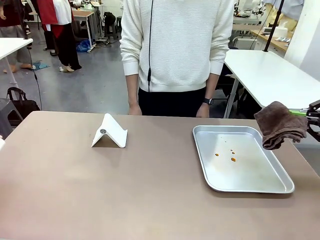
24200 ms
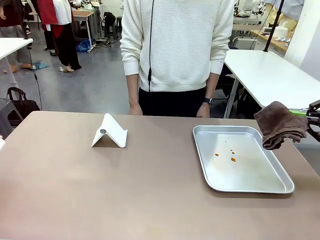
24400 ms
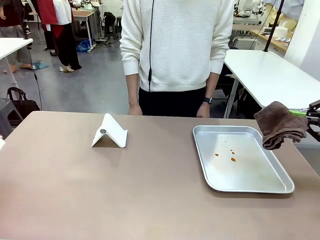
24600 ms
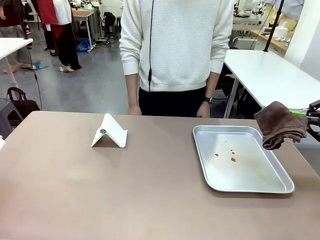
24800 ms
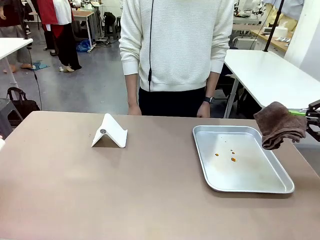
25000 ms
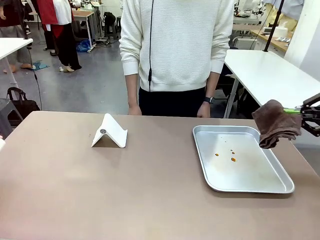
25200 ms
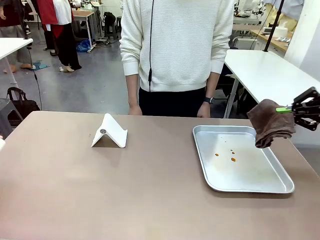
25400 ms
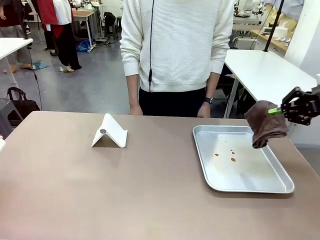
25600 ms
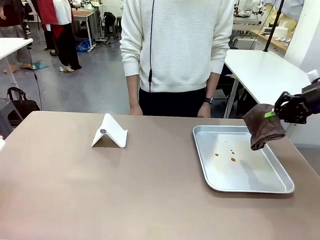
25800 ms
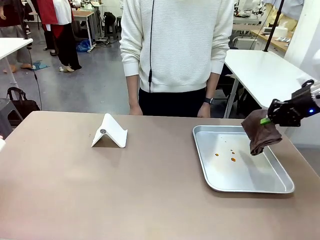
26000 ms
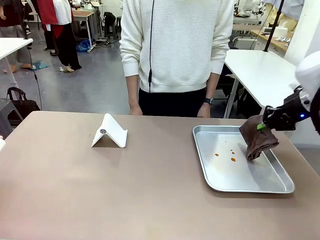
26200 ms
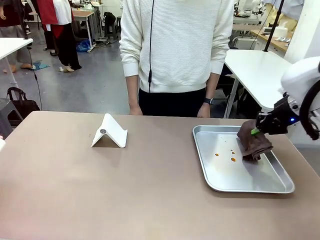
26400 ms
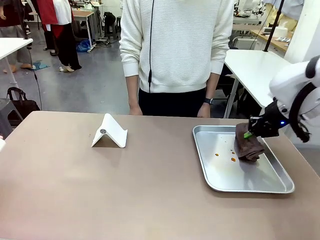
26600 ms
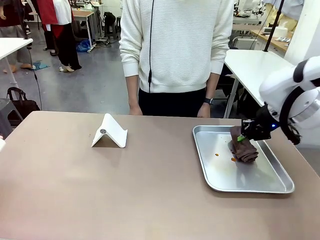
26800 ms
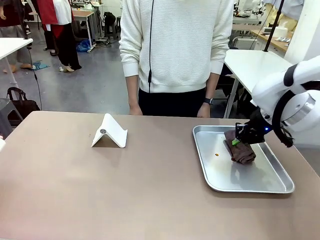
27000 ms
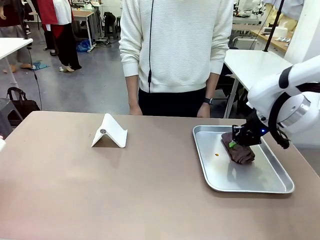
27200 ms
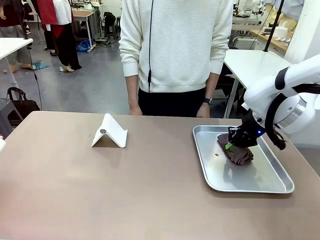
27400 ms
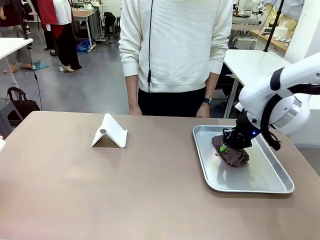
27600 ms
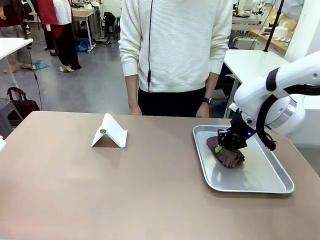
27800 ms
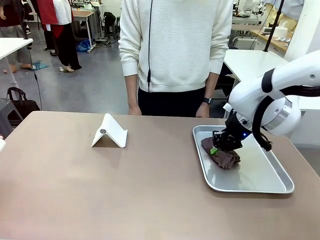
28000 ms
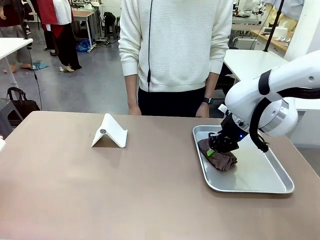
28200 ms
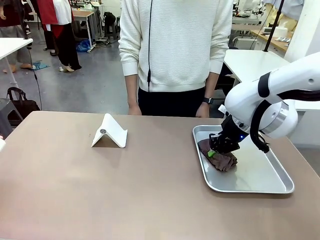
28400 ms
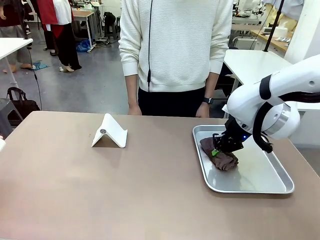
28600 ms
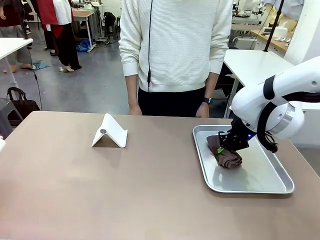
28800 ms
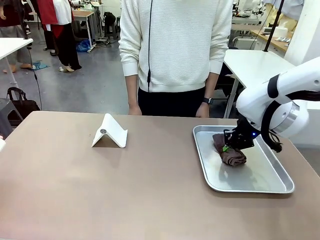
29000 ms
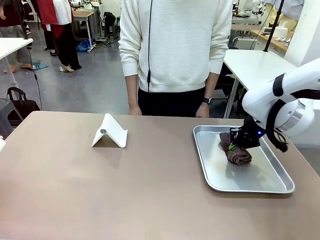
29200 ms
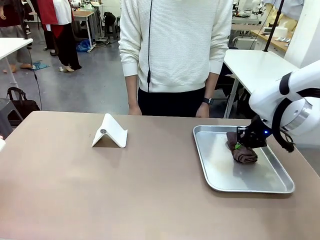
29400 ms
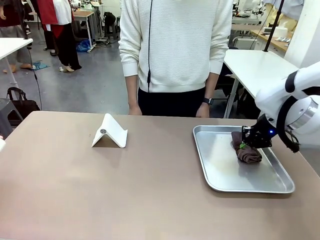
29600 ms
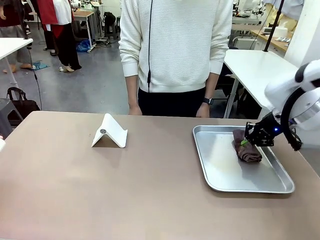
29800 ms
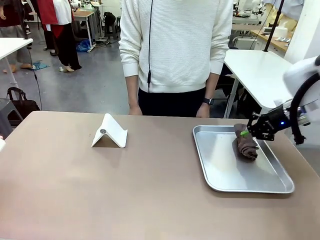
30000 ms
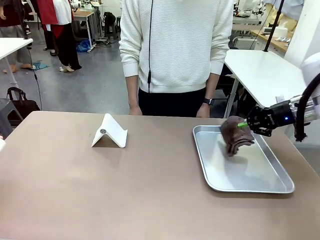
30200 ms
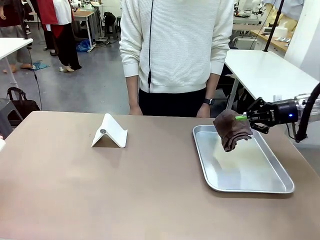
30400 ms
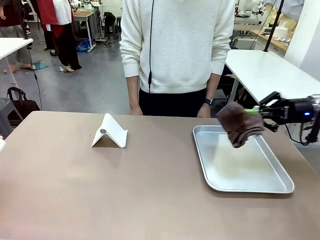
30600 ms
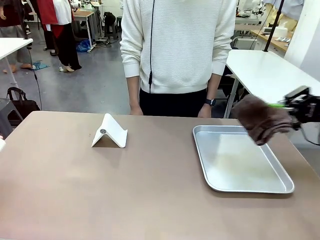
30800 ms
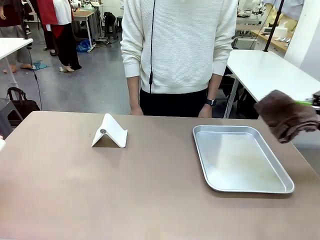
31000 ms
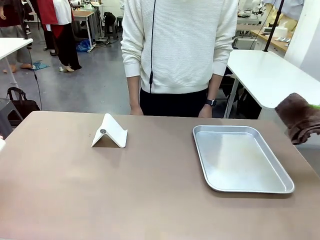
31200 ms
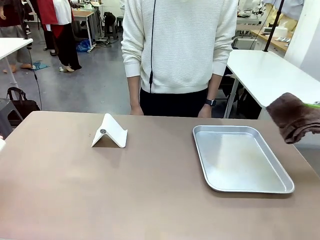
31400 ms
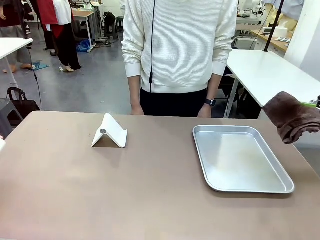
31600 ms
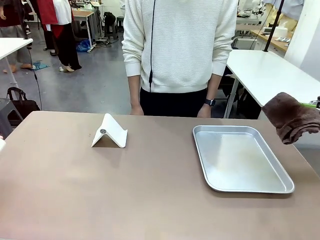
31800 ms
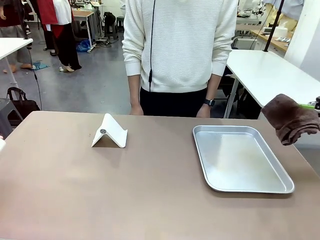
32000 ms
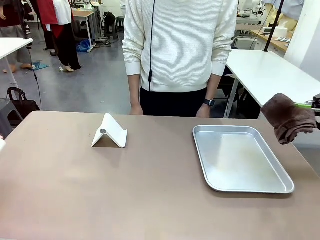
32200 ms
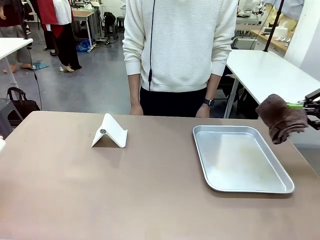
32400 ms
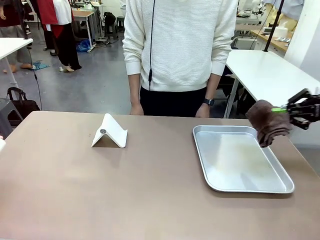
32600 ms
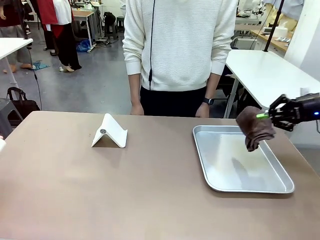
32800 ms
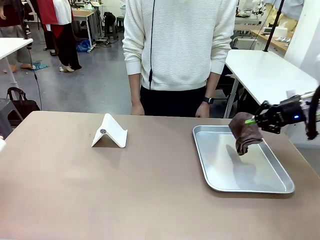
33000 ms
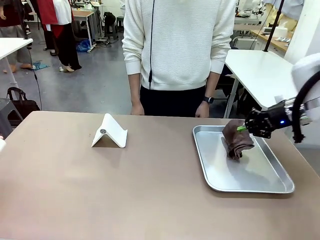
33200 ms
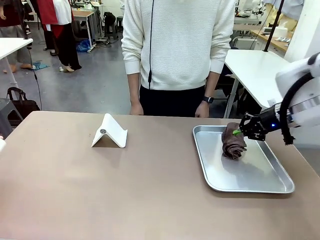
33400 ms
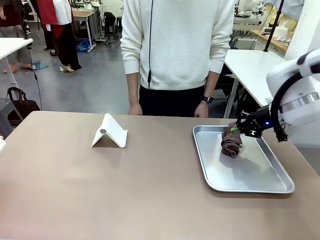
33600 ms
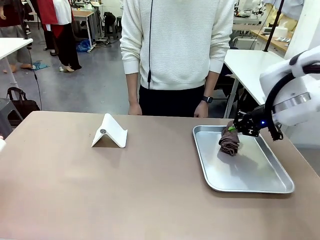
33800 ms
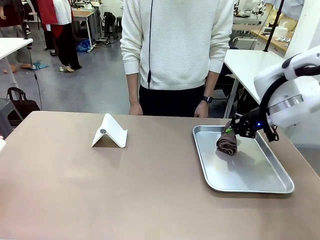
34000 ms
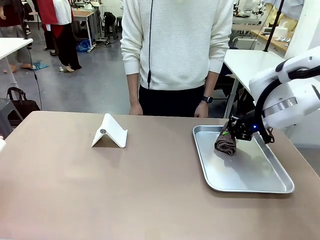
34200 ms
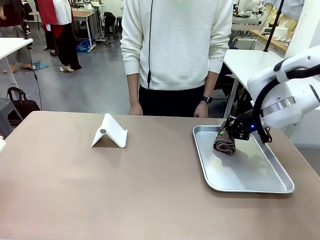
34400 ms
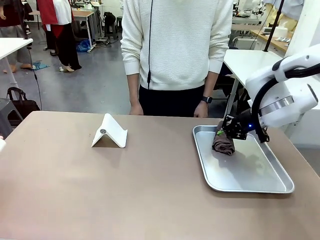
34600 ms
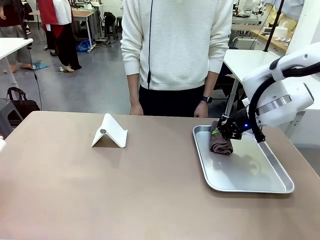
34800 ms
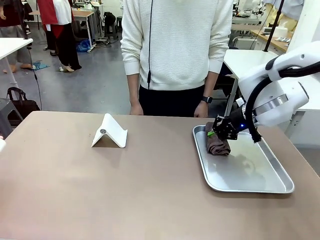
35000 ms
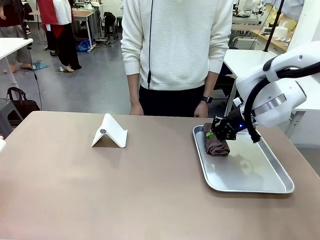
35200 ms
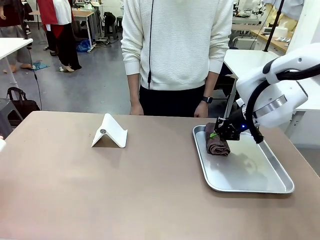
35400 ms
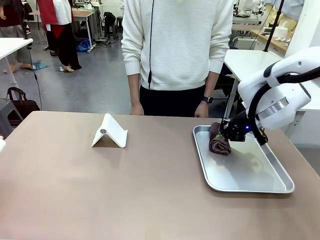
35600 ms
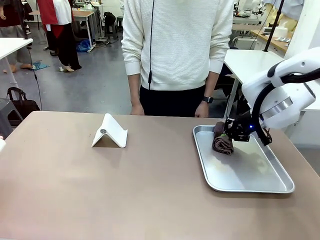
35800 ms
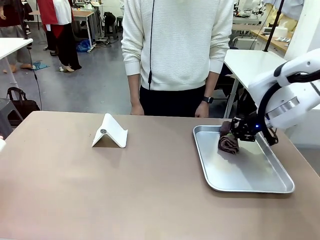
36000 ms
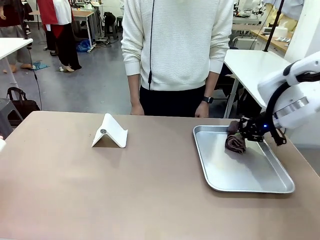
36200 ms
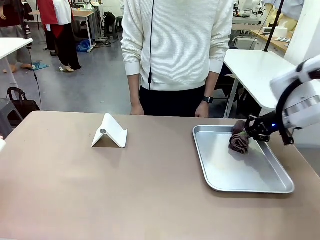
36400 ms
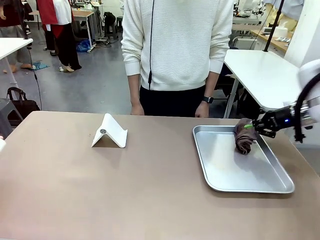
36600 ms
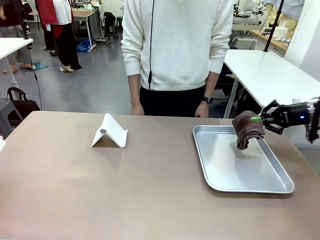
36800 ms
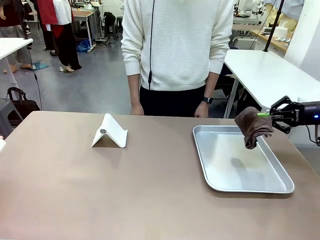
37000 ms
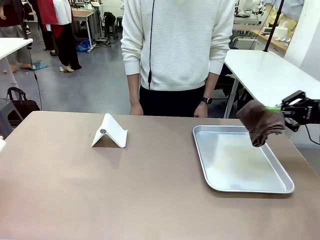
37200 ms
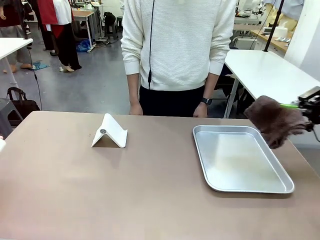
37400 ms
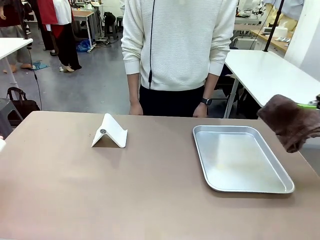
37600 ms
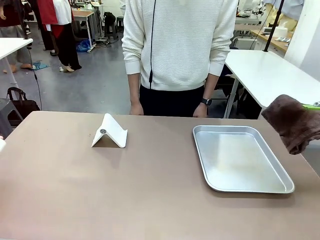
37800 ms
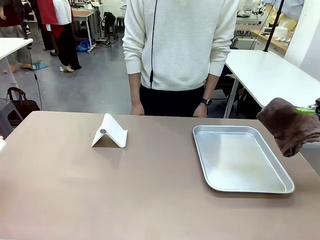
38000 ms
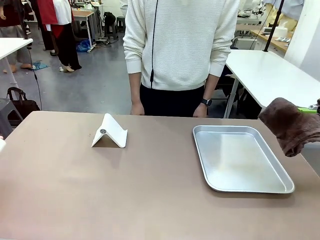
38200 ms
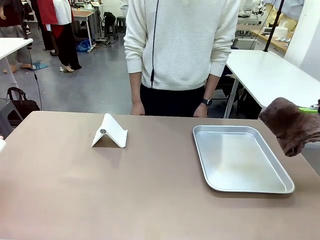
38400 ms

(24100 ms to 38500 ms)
Task: Clean the surface of the table.
Robot: Clean the area not pointed to by the person.

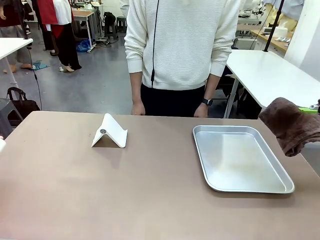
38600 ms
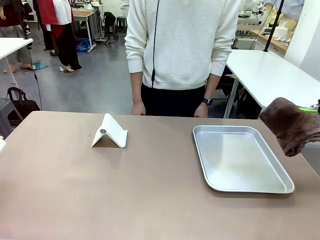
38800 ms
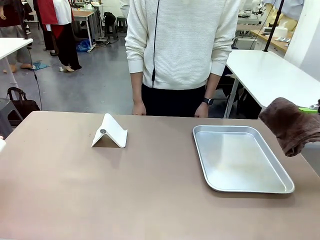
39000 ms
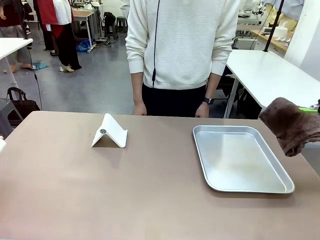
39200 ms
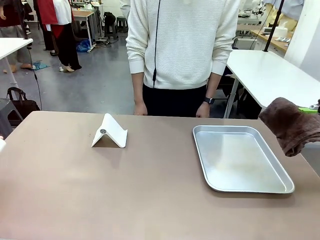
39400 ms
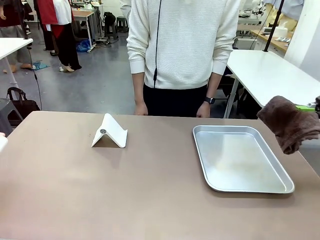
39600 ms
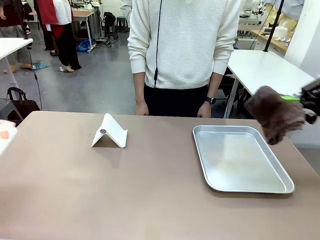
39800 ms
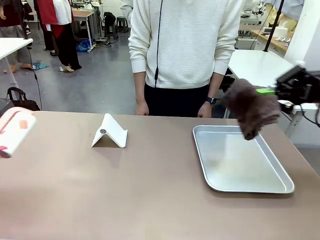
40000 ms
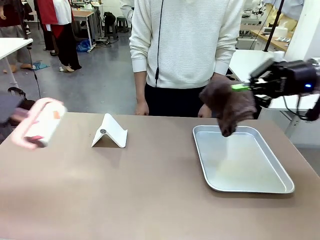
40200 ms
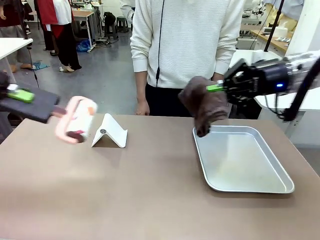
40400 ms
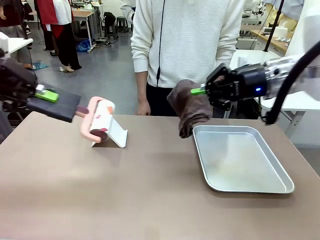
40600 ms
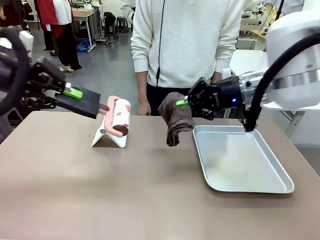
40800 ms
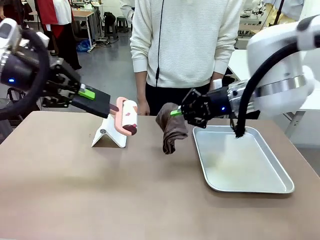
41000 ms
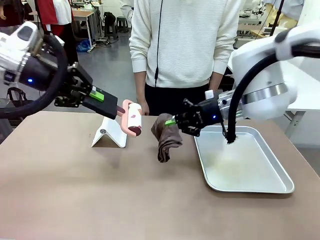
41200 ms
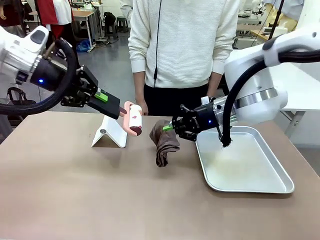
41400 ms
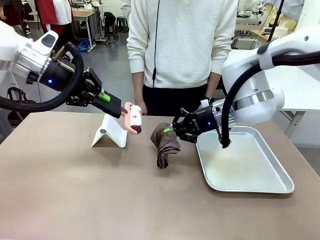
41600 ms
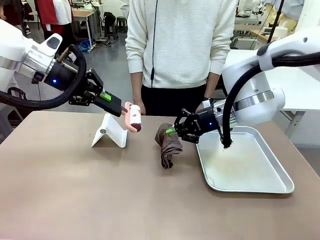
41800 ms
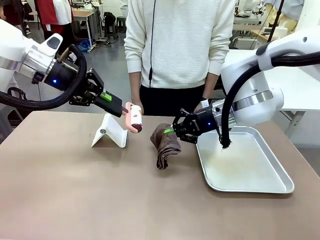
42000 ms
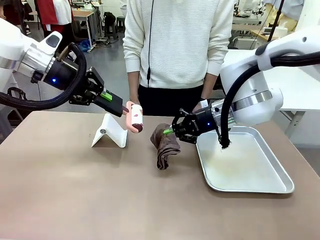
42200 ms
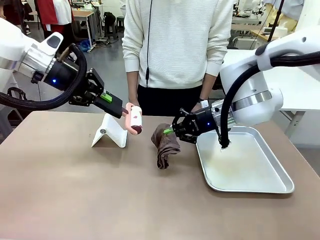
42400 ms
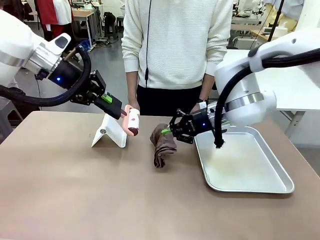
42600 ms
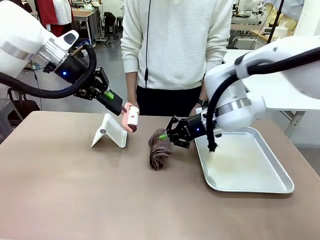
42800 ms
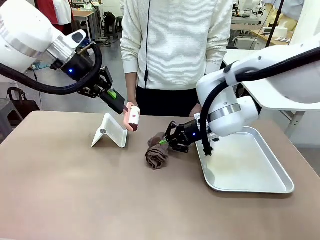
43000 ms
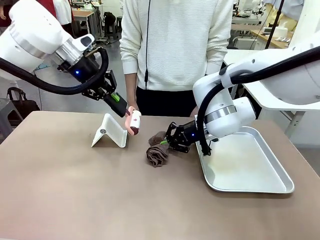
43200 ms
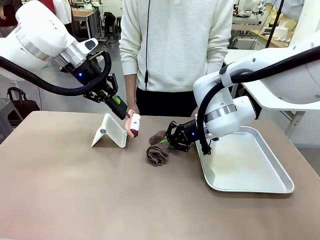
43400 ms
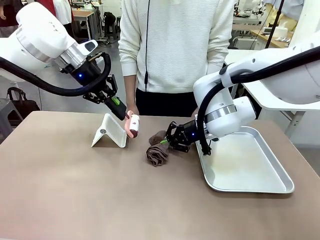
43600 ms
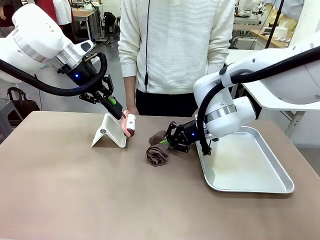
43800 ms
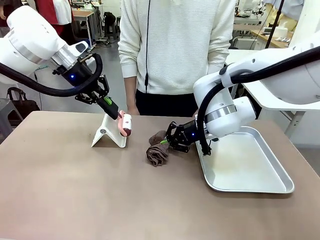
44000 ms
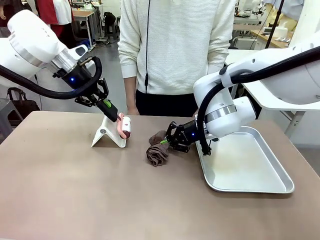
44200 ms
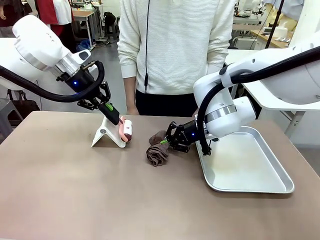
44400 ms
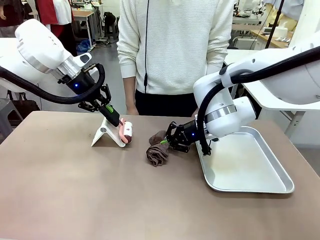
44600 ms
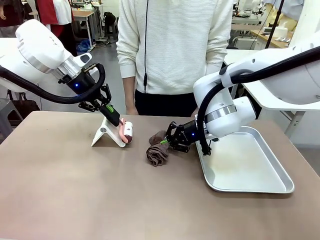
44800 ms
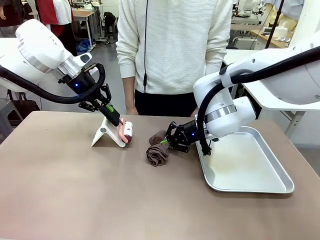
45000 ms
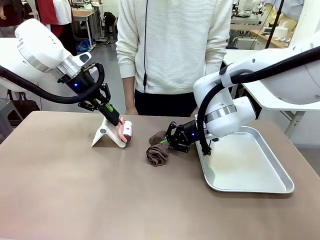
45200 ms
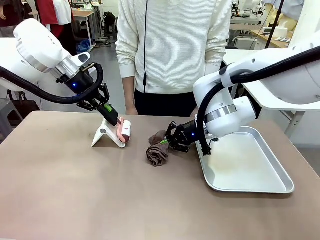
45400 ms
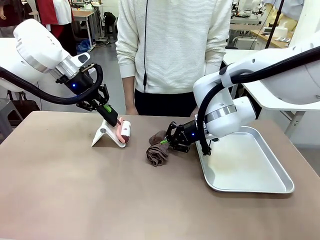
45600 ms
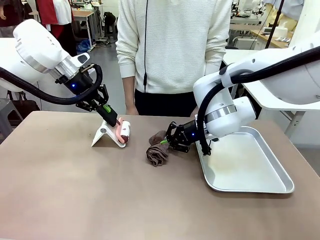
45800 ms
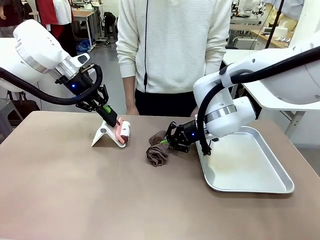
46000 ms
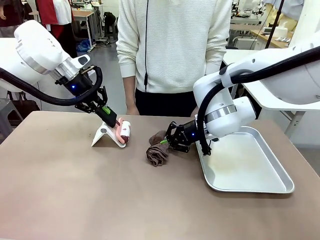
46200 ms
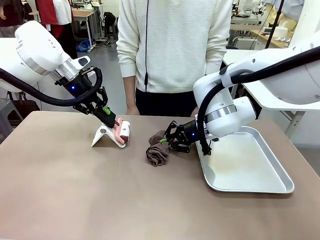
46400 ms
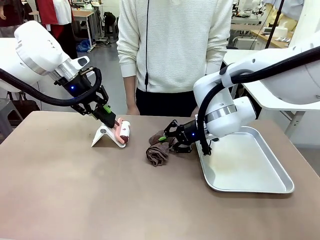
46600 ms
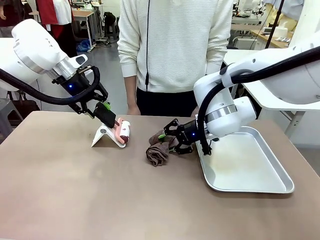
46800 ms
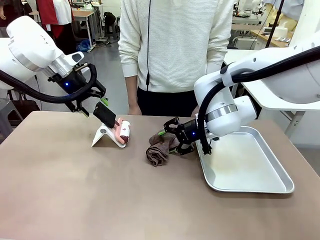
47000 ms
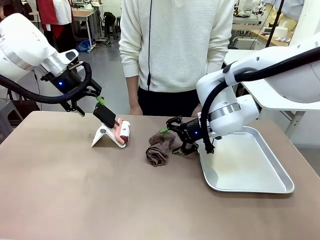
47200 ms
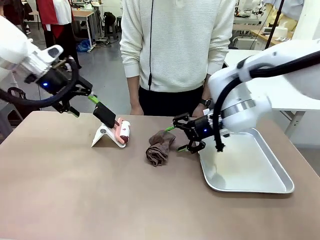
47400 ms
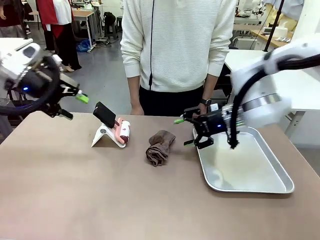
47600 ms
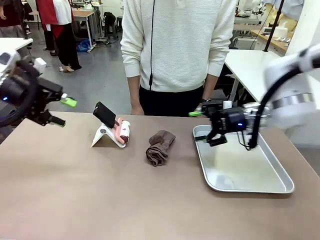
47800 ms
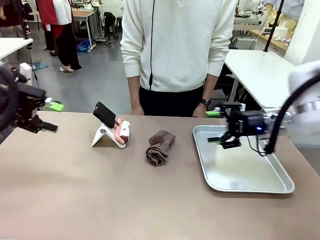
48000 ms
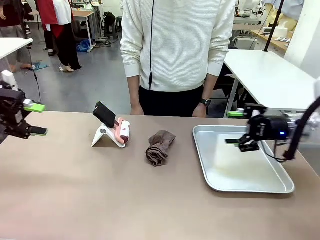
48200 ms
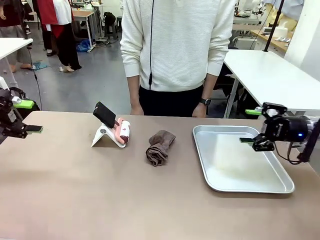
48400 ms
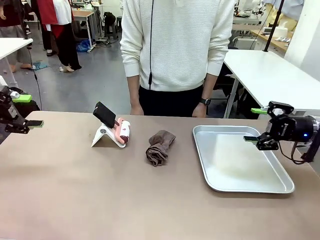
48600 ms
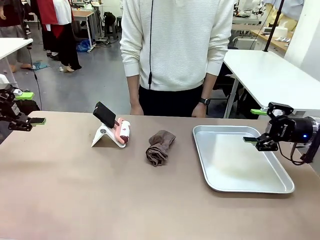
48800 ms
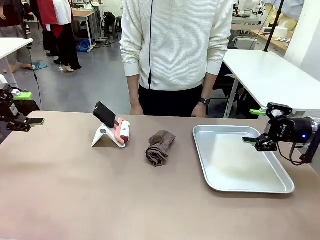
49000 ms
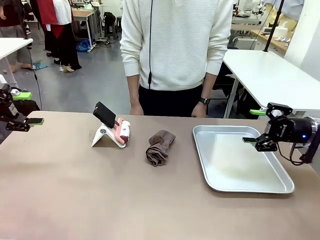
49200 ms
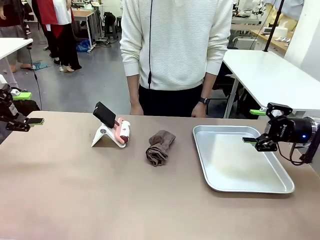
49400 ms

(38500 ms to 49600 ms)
Robot: Return the Lint Roller and towel to their original positions.
